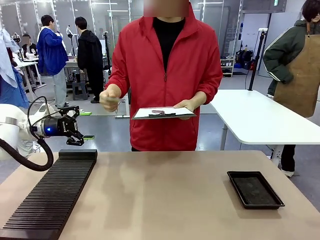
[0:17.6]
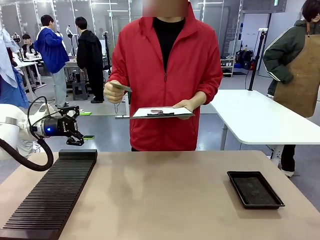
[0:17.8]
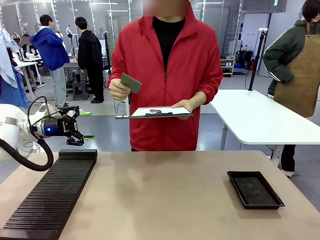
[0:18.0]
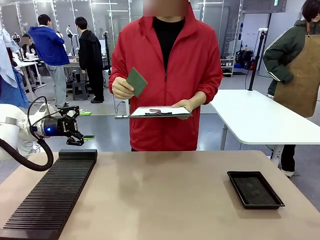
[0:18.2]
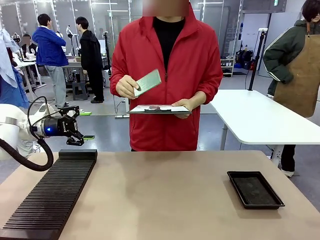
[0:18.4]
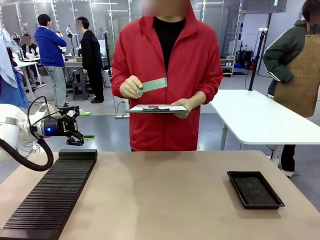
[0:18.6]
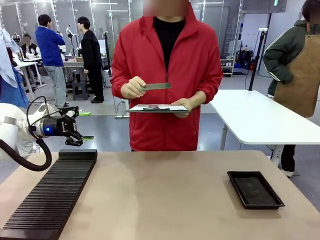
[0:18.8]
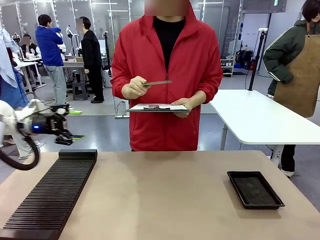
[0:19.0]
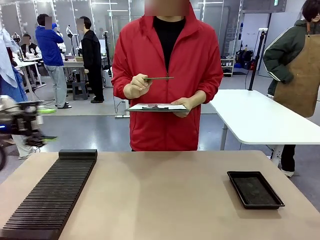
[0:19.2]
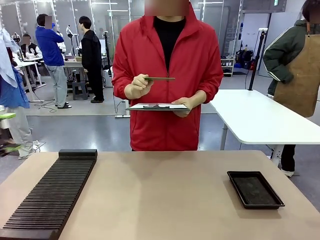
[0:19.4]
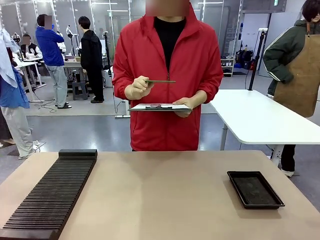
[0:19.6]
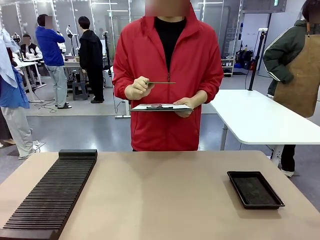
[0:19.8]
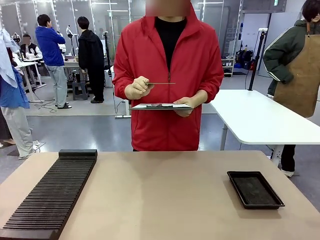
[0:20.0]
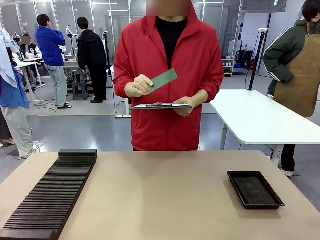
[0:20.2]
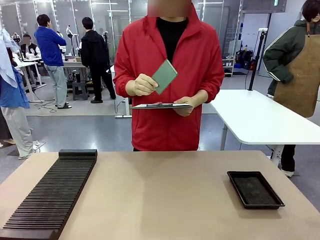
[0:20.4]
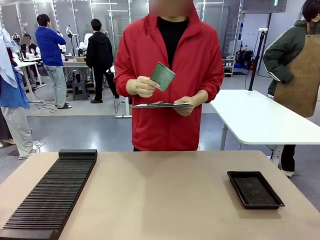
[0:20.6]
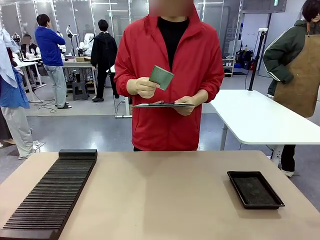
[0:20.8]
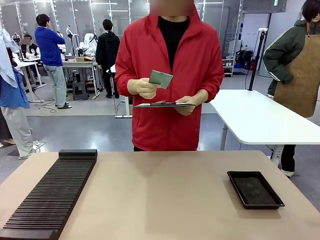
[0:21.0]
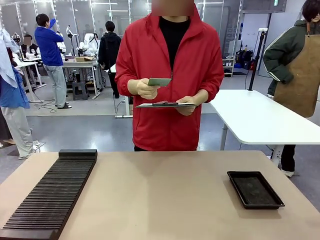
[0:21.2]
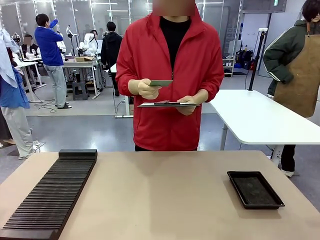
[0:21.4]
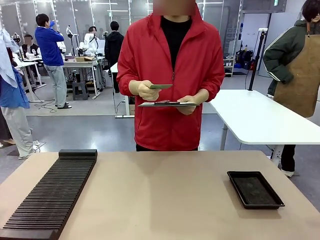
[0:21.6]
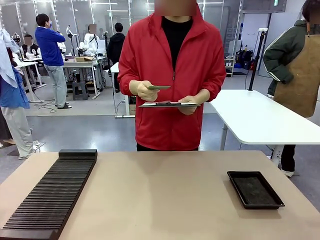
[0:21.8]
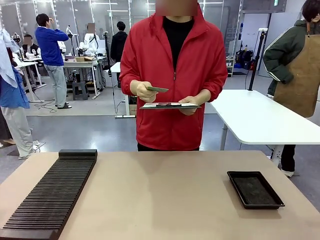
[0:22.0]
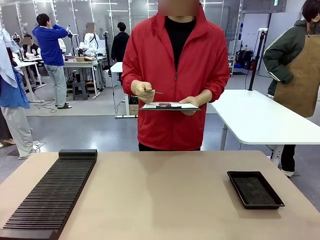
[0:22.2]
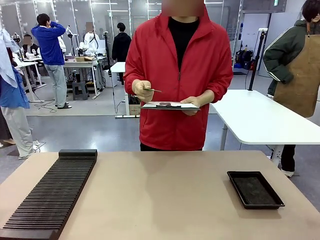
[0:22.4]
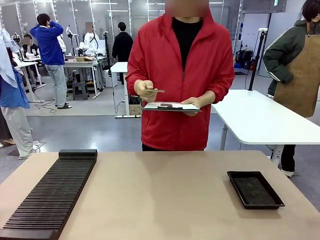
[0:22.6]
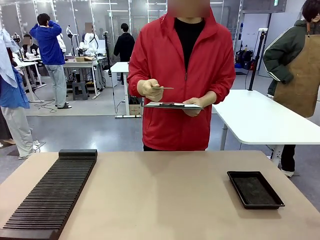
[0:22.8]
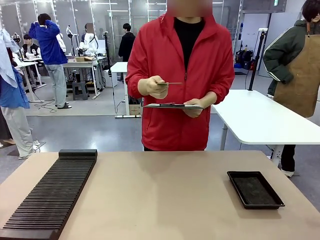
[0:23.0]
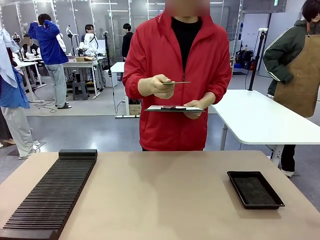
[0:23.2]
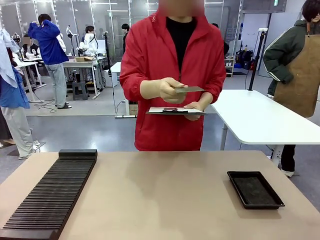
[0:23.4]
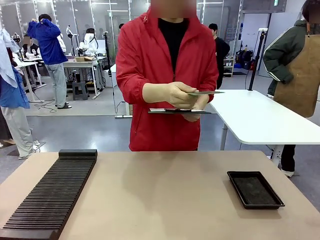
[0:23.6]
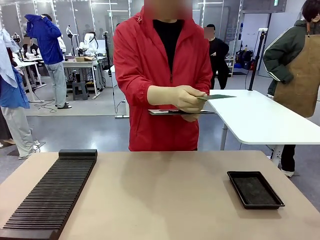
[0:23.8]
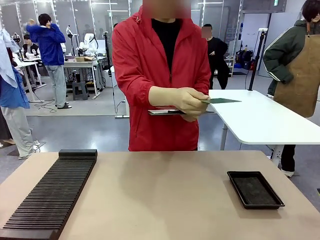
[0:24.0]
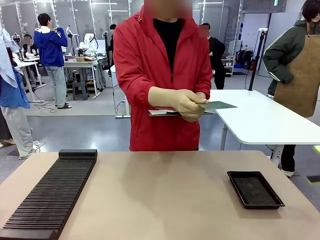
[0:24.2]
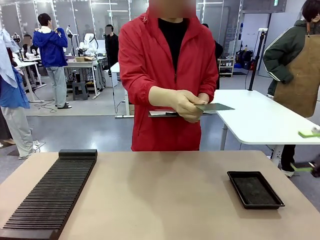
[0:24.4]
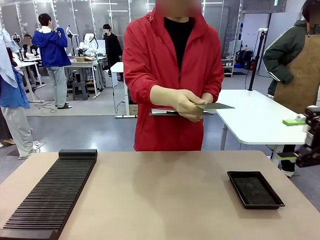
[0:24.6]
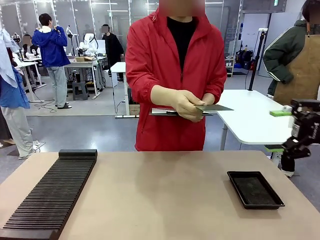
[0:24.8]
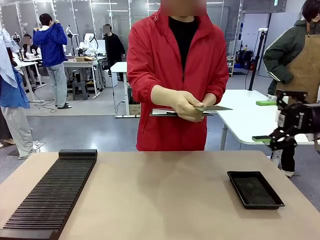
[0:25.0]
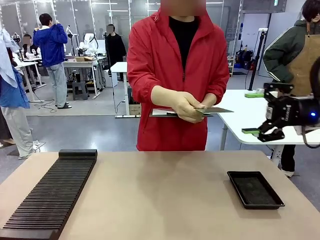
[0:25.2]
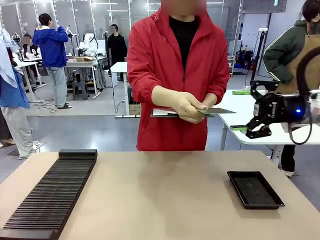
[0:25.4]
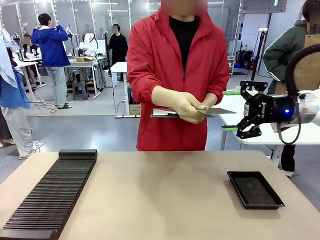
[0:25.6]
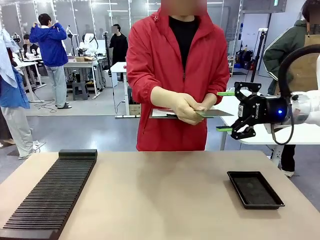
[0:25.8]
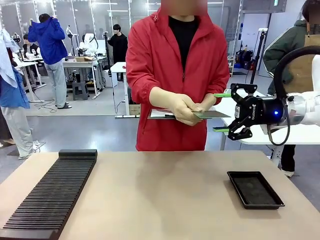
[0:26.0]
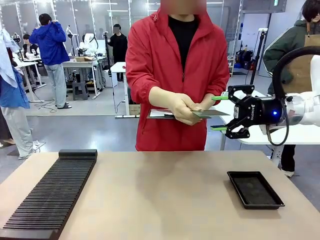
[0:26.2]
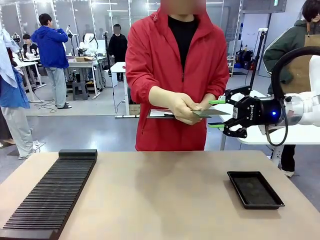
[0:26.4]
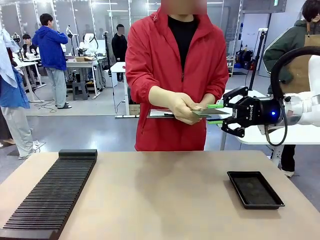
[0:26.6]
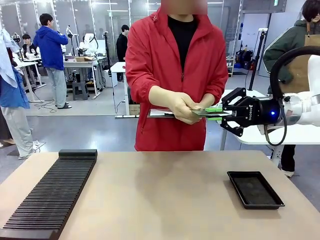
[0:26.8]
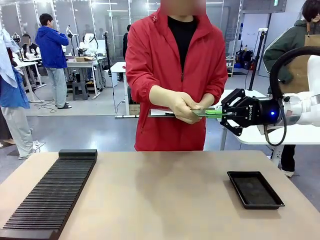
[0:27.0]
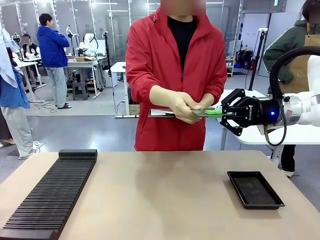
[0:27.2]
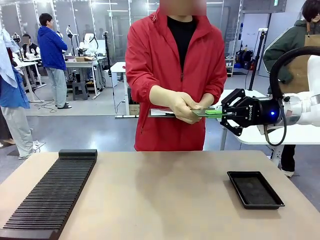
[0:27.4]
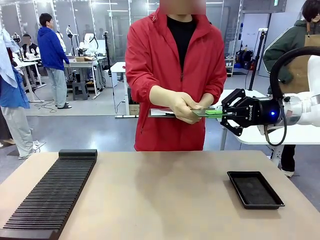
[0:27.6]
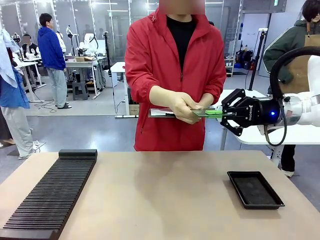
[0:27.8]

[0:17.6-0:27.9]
Task: Inspect the PCB.
Robot: Pick up the Blank PCB that the human is holding.
Person: Inspect the PCB placed by the robot, then hold it out in front of the robot. Release the PCB you were holding.

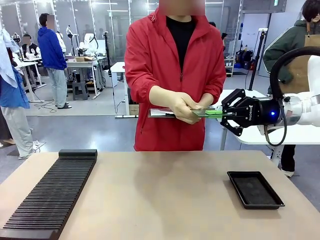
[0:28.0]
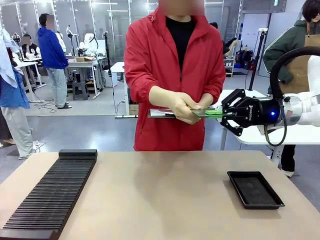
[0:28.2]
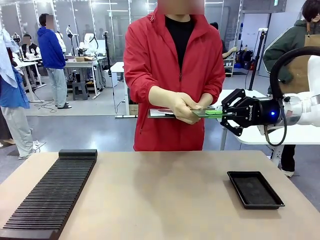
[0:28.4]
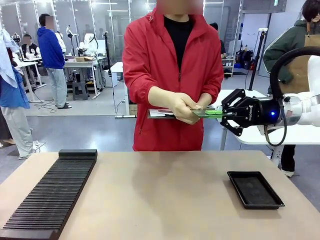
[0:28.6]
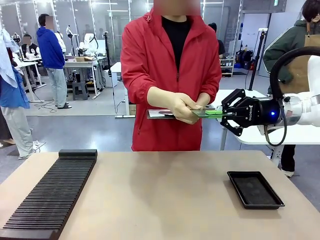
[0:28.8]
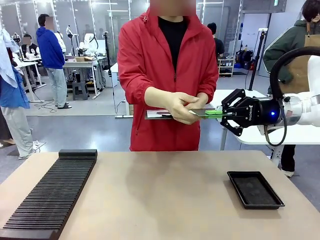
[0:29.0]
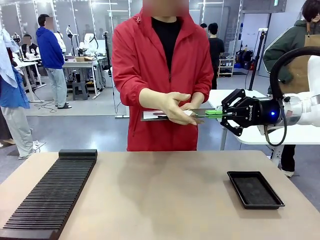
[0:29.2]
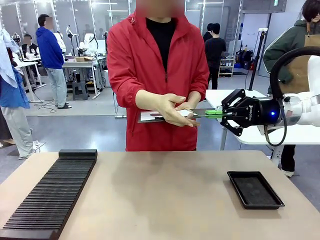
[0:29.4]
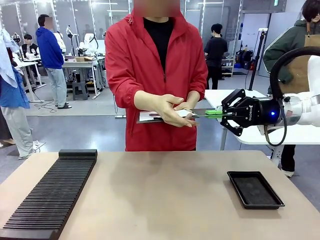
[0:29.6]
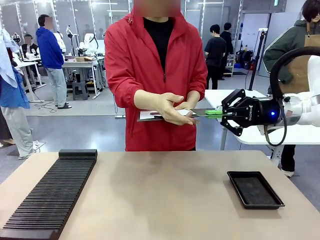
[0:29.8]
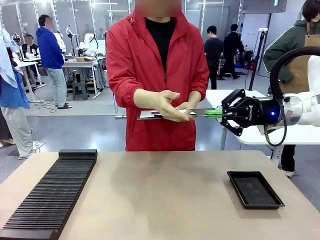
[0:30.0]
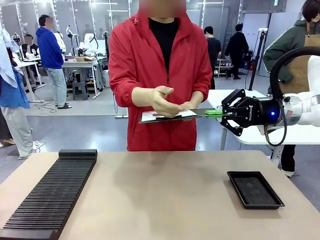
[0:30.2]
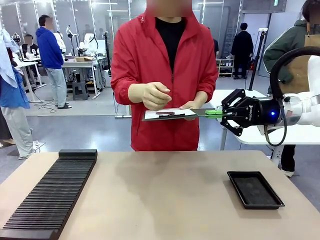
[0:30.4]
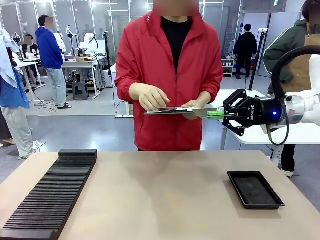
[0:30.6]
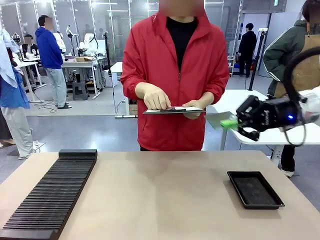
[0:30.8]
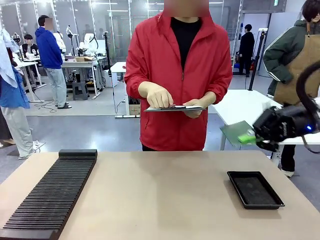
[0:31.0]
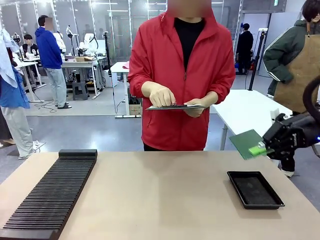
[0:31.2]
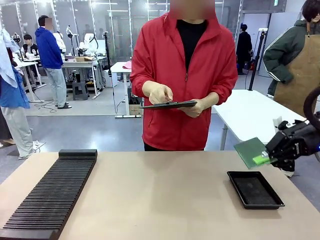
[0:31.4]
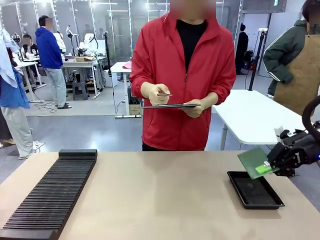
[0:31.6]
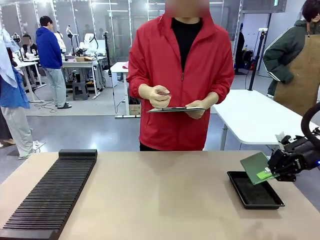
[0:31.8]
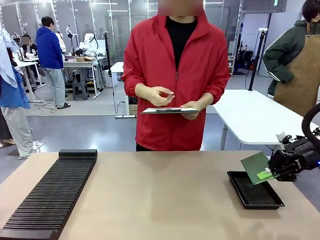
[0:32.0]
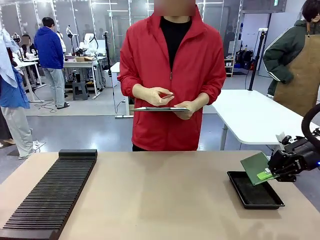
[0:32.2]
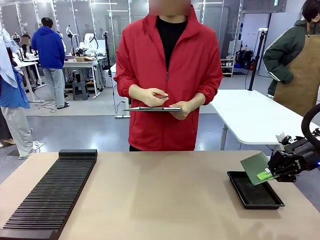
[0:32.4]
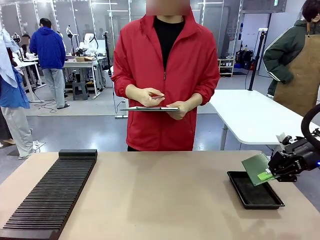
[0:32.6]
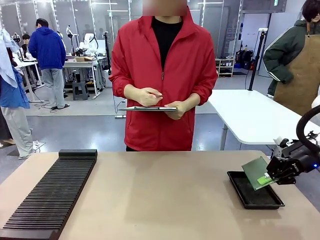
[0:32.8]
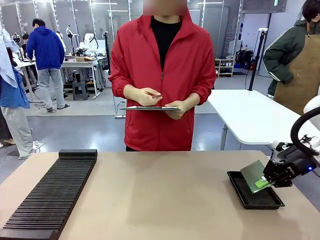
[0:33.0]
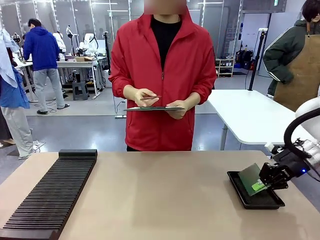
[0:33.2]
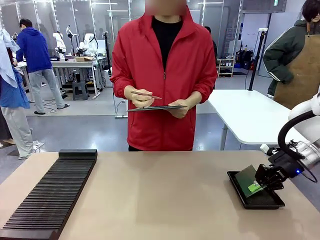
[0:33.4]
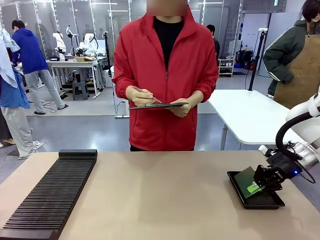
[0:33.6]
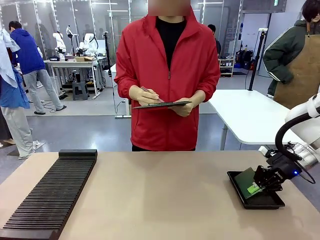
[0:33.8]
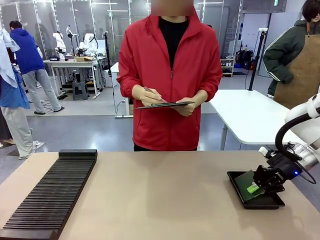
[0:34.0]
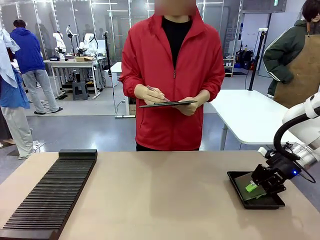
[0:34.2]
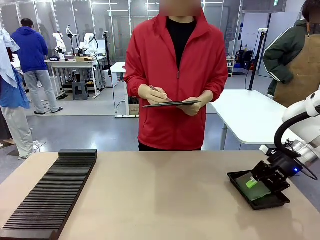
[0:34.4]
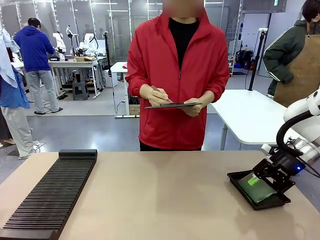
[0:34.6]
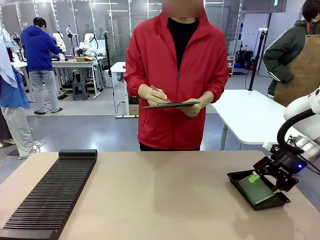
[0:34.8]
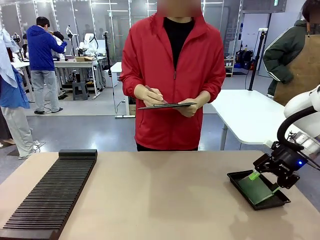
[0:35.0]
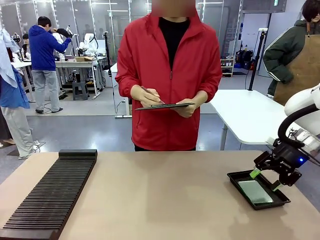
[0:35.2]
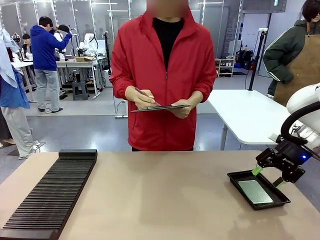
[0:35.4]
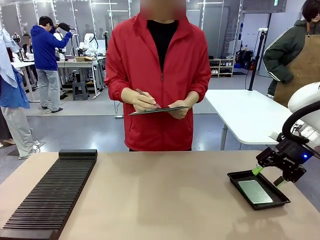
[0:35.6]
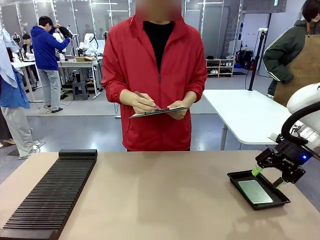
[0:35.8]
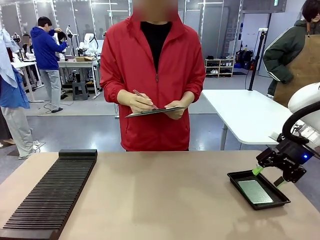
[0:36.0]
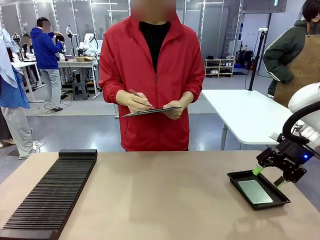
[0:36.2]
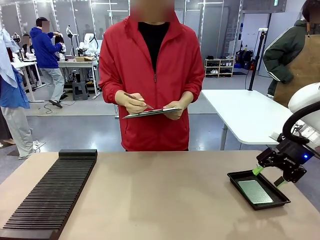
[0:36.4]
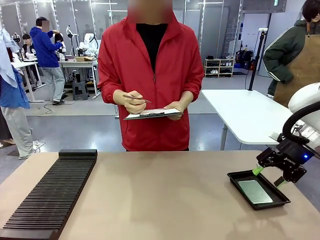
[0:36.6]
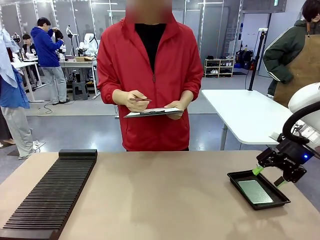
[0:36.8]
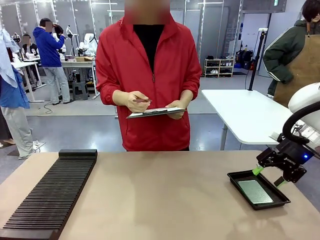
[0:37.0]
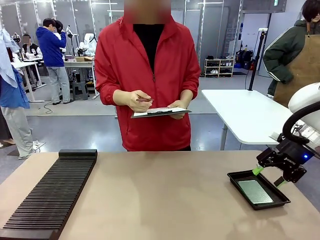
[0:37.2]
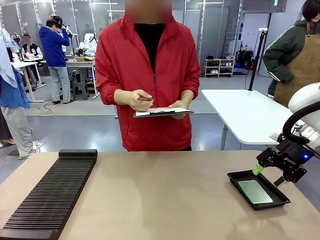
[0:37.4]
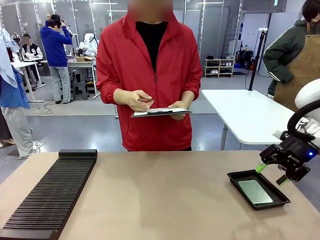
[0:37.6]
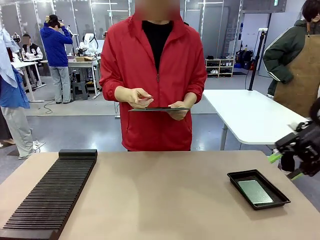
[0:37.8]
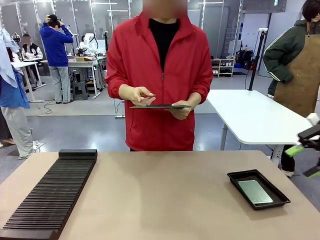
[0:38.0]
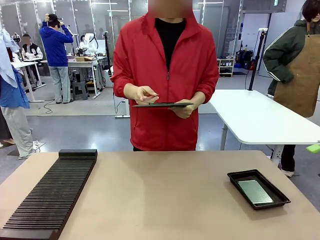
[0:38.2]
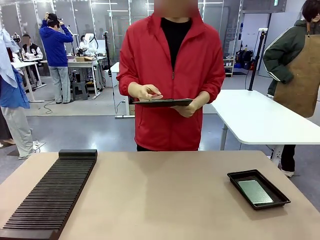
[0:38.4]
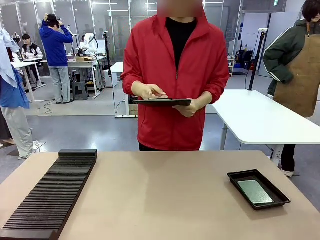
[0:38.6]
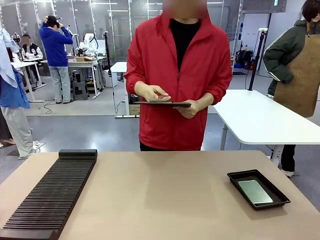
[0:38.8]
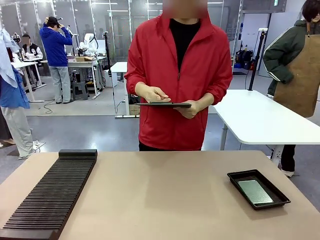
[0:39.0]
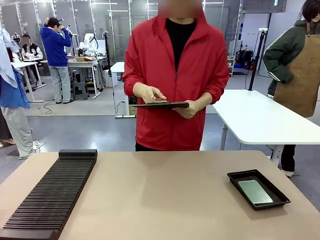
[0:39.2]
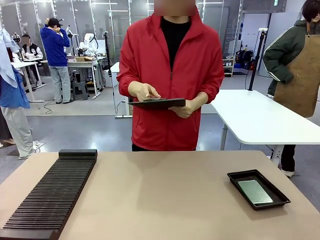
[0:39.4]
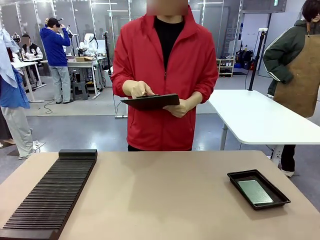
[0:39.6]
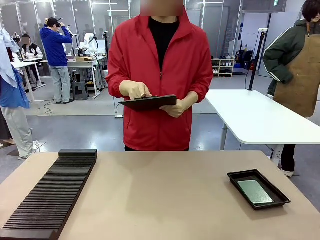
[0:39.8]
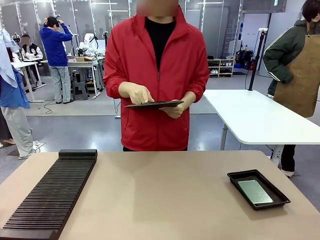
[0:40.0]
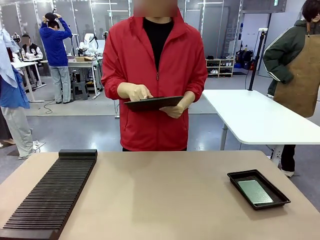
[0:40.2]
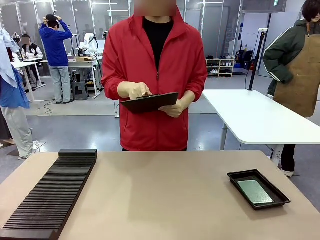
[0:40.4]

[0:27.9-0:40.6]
Robot: Place the Blank PCB in the ESD tray.
Person: Record the PCB status on the paper.
